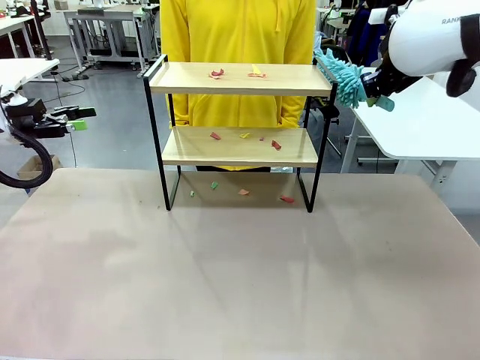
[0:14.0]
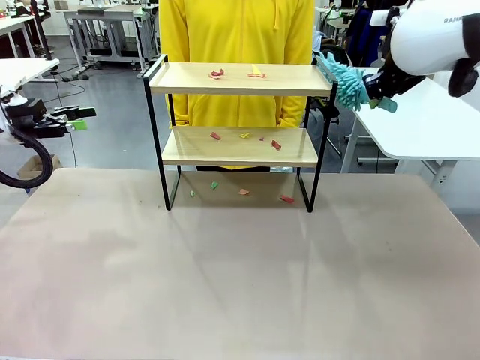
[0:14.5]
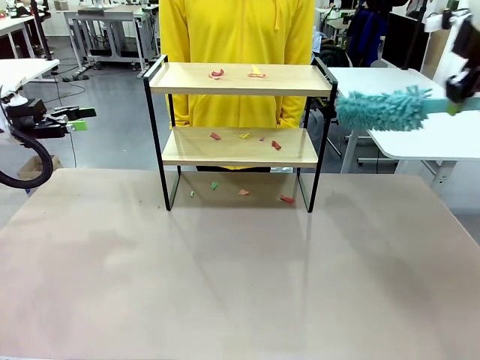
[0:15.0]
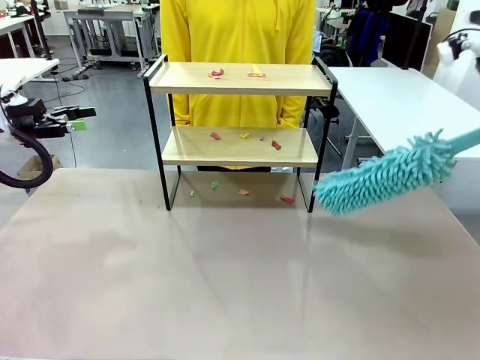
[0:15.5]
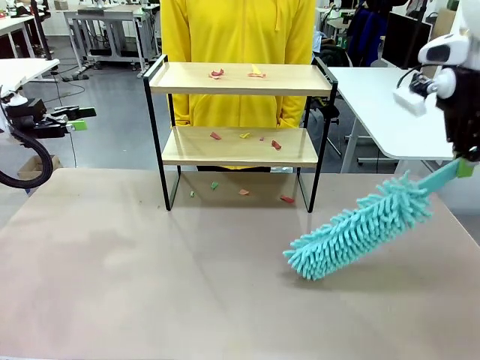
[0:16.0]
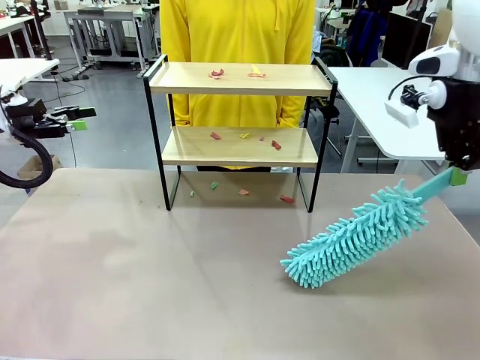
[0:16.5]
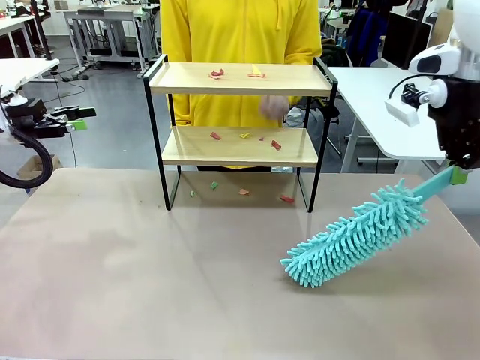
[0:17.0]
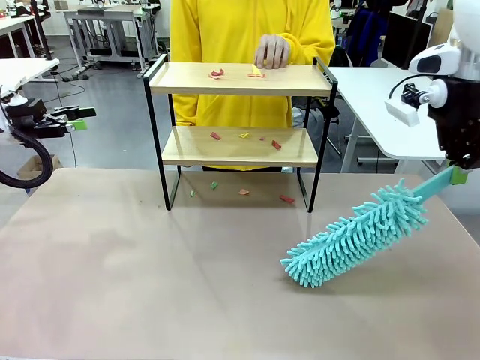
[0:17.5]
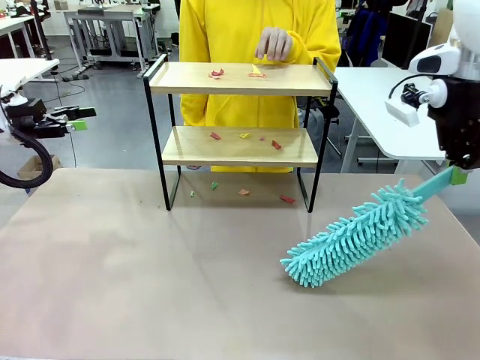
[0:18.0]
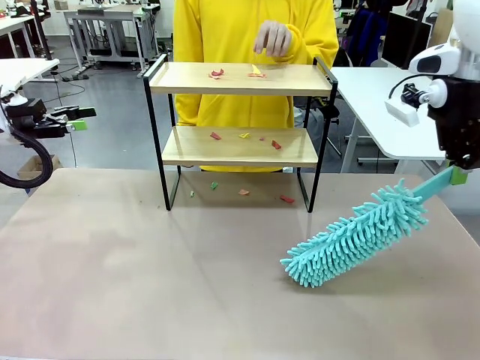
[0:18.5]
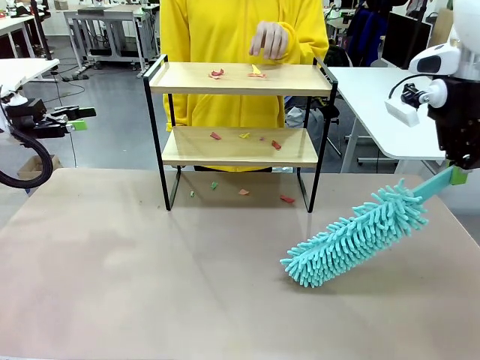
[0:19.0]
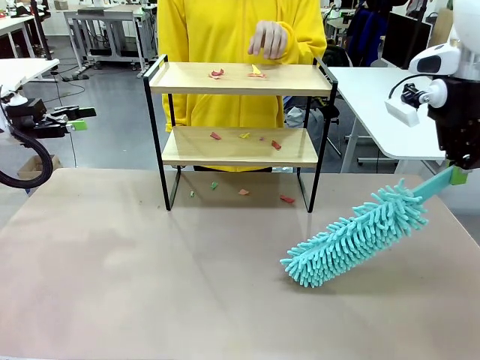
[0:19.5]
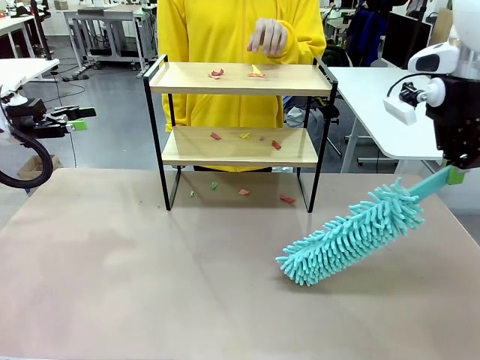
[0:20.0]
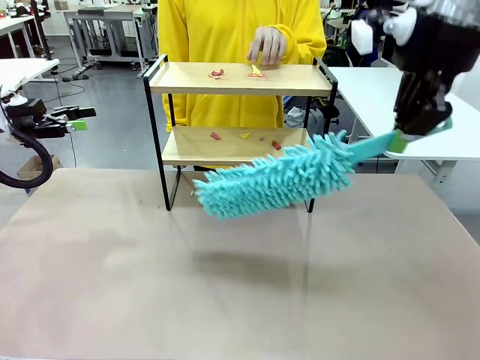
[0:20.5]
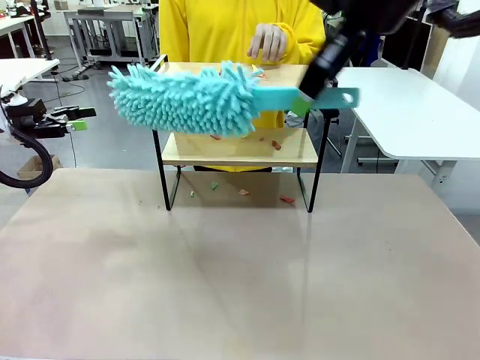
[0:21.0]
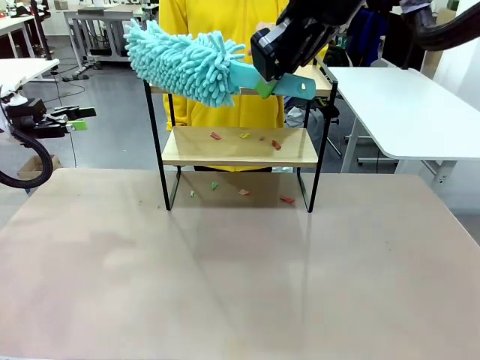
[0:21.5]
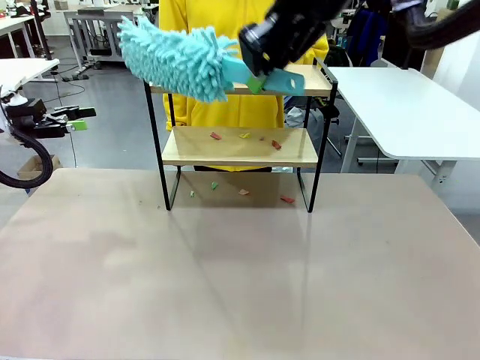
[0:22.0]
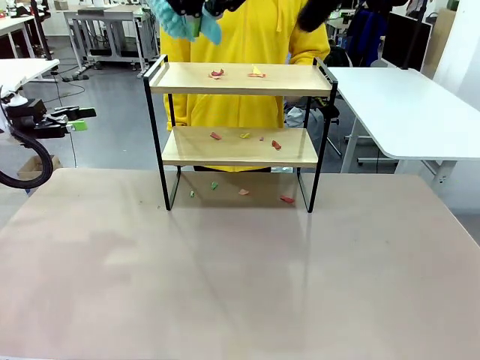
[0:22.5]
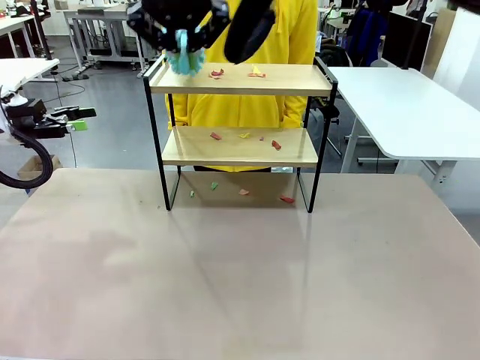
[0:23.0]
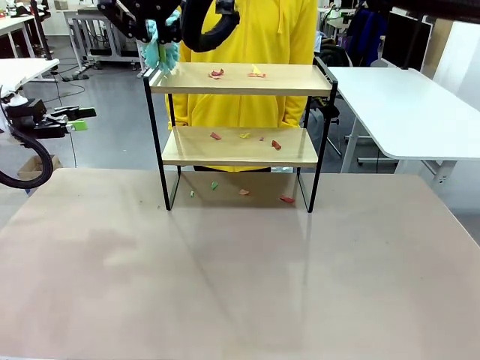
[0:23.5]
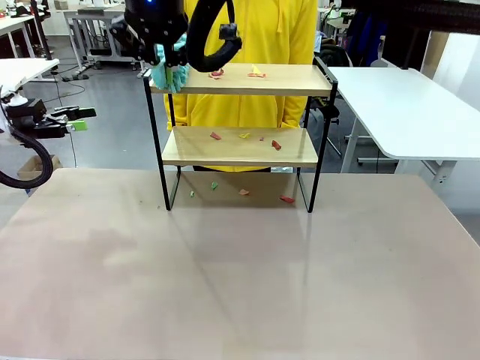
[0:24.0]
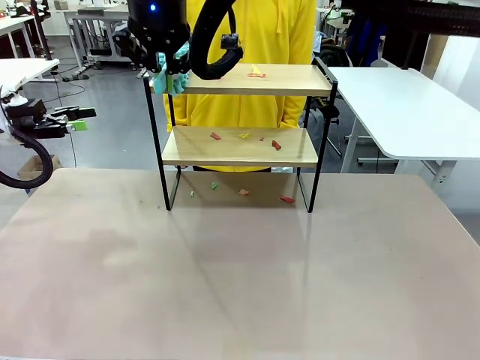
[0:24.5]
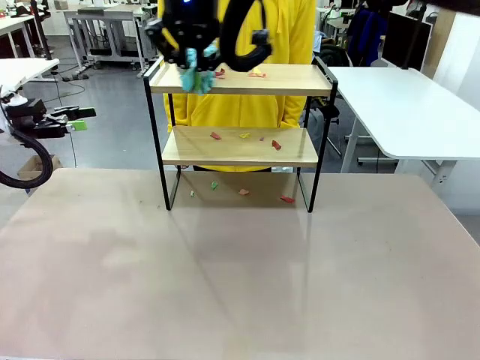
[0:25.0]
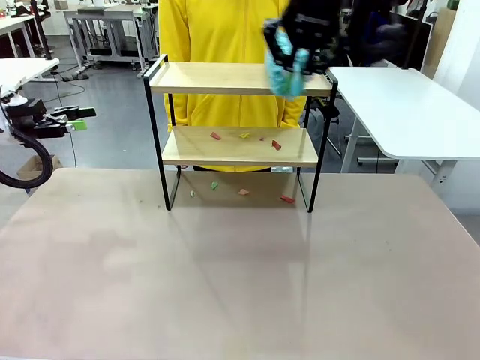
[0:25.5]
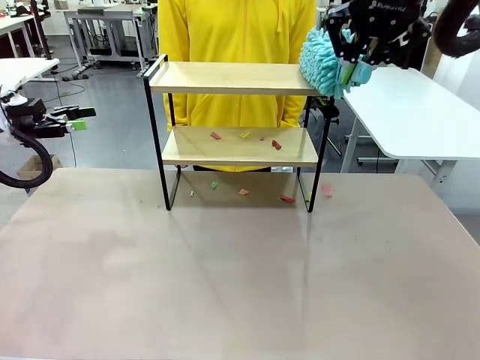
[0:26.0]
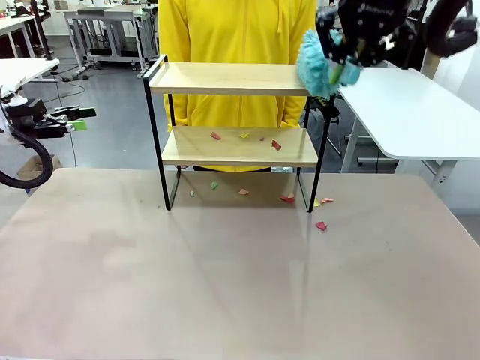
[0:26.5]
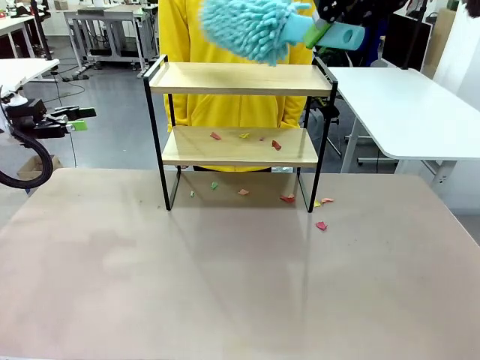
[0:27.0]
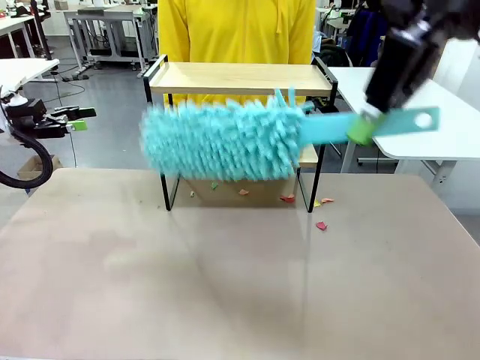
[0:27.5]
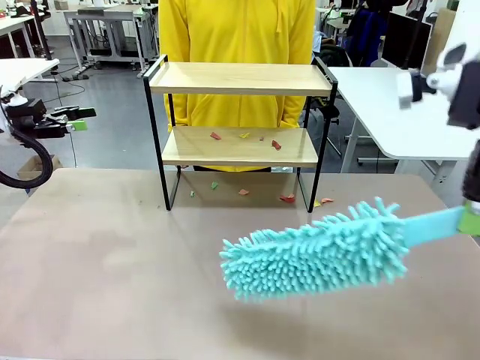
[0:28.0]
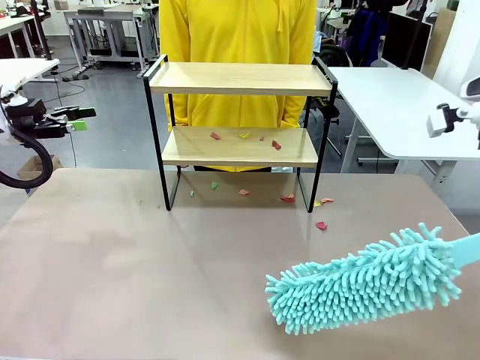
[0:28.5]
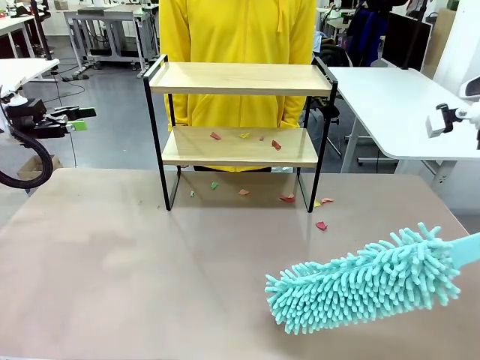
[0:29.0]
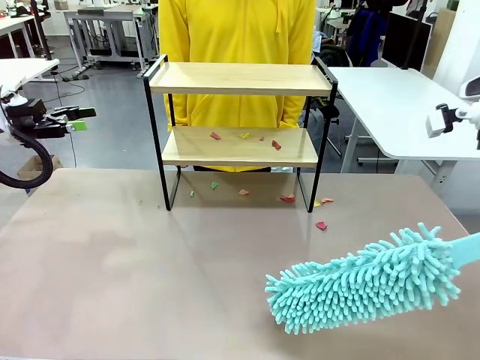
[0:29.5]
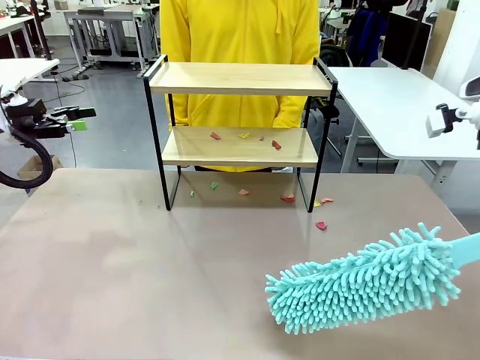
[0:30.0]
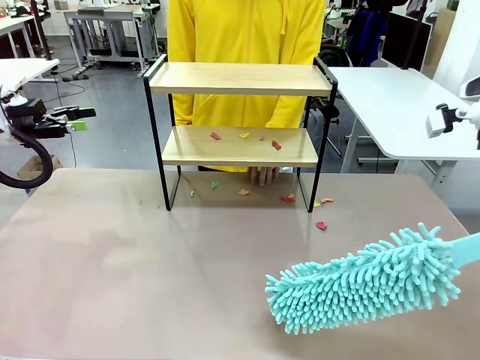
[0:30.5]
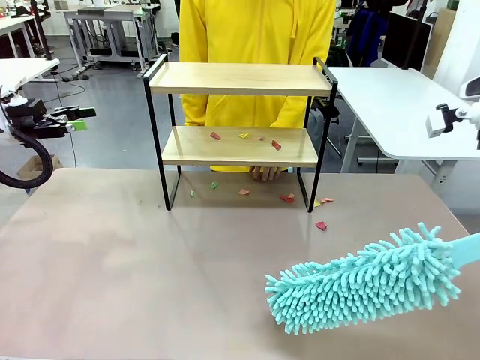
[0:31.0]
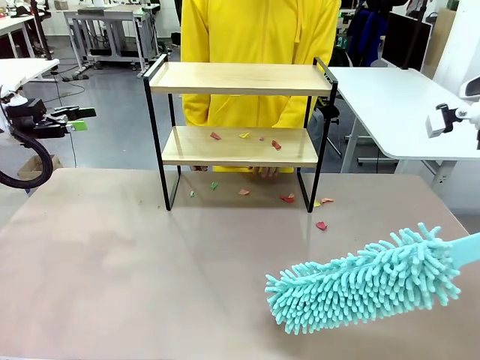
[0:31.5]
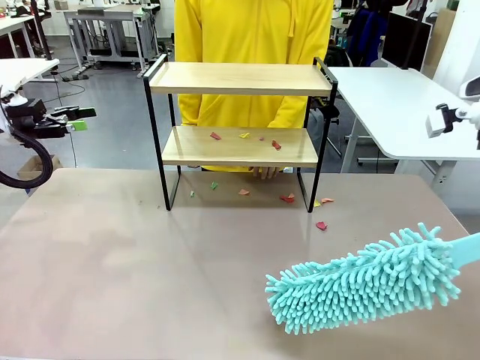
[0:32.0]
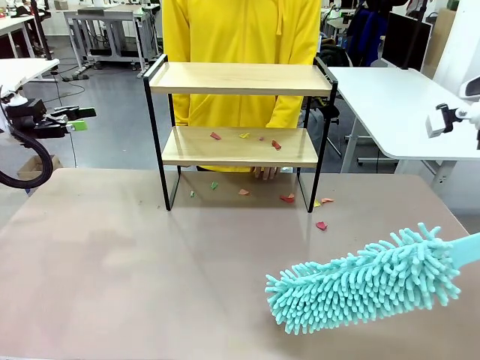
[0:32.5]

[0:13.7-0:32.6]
Task: Clean the shelf.
Robot: Clean the specific section of the Shelf indicated by the human with the Duster.
Person: Point a random section of the Shelf.
